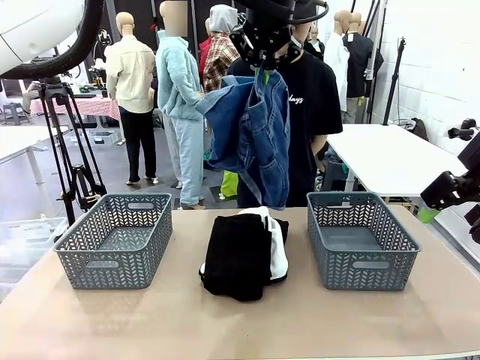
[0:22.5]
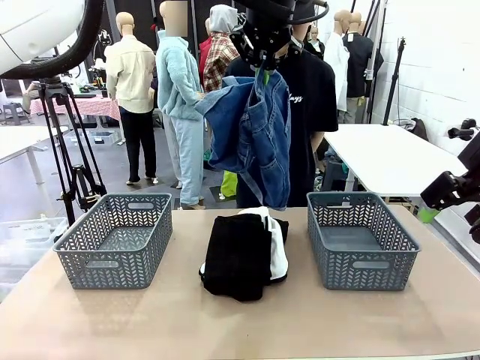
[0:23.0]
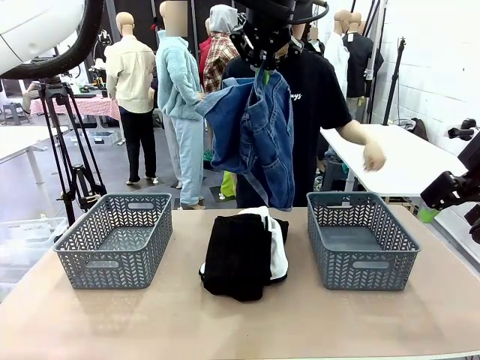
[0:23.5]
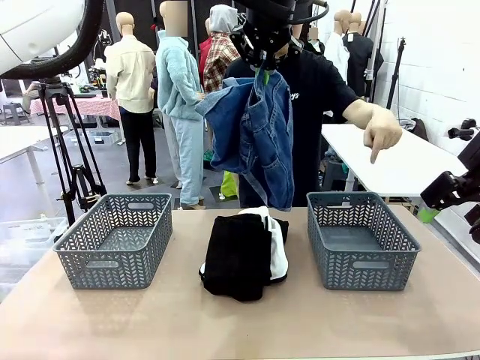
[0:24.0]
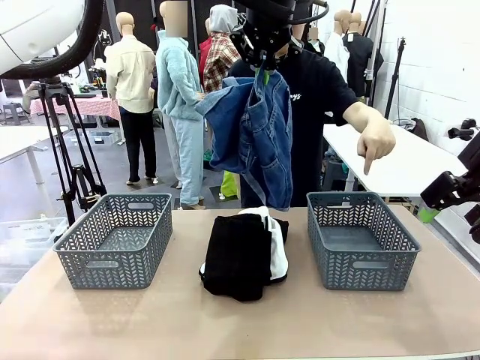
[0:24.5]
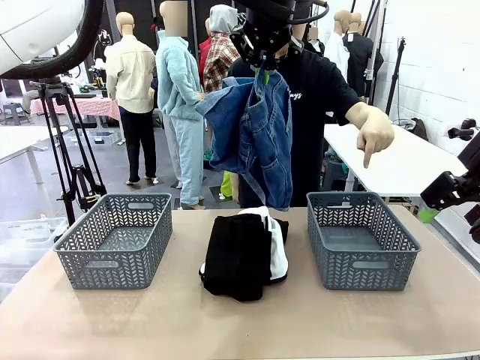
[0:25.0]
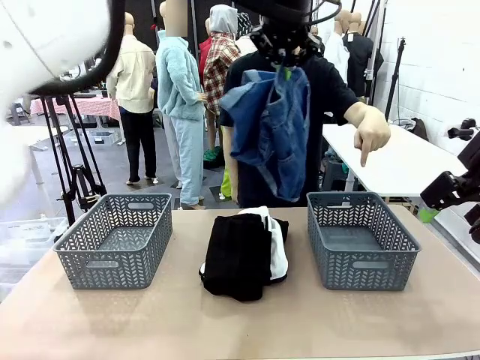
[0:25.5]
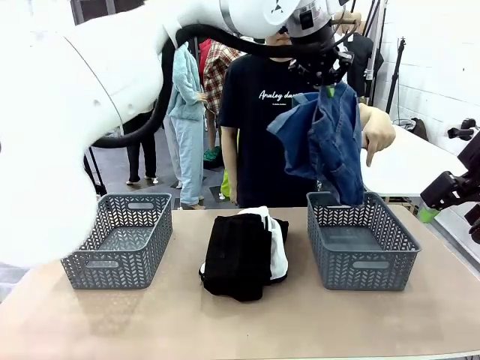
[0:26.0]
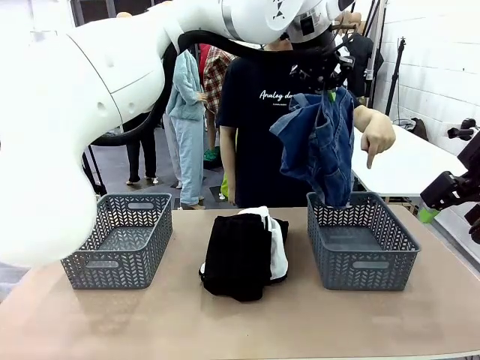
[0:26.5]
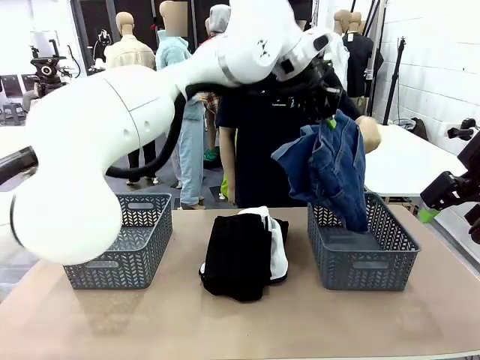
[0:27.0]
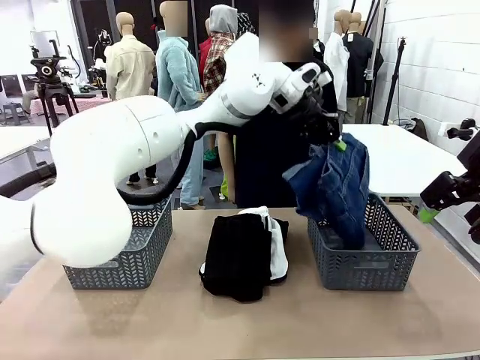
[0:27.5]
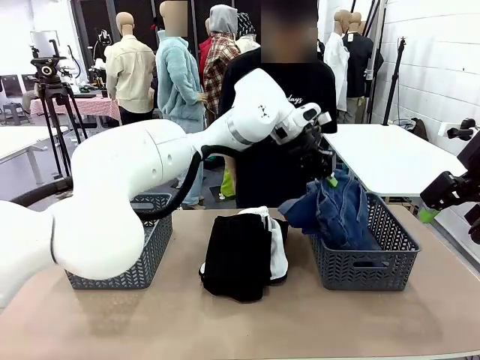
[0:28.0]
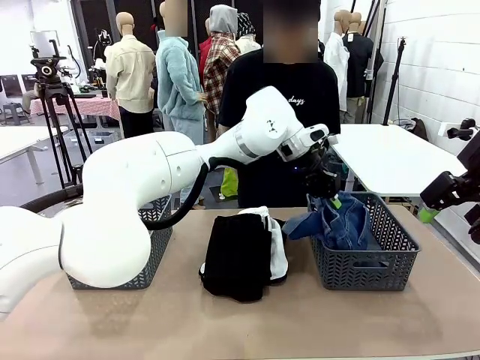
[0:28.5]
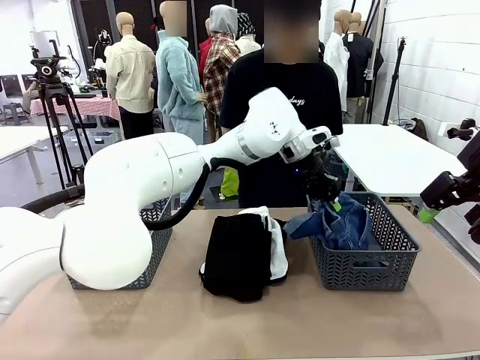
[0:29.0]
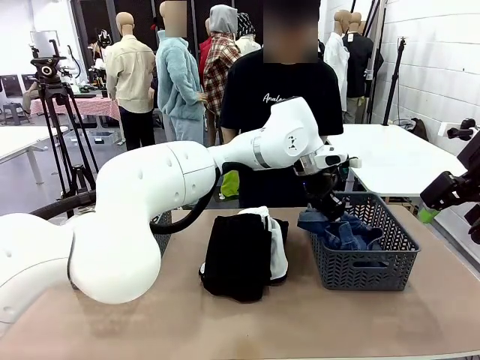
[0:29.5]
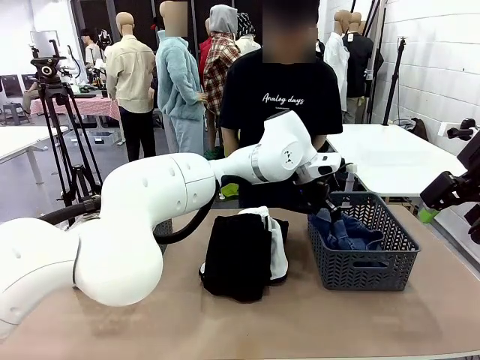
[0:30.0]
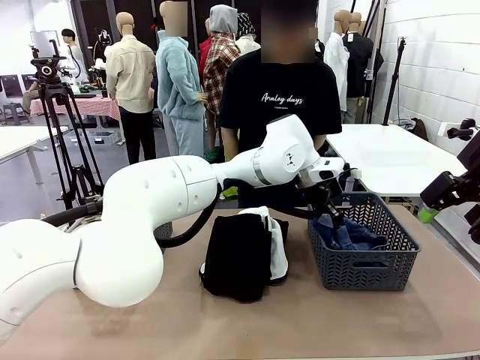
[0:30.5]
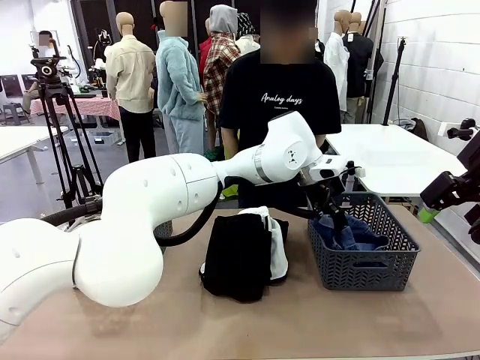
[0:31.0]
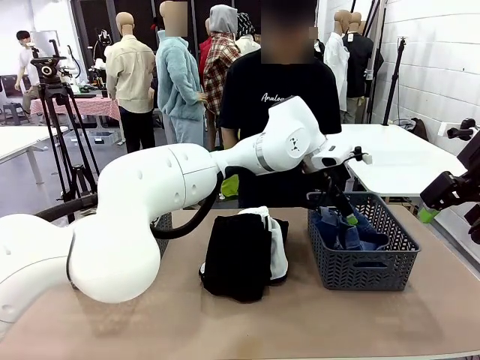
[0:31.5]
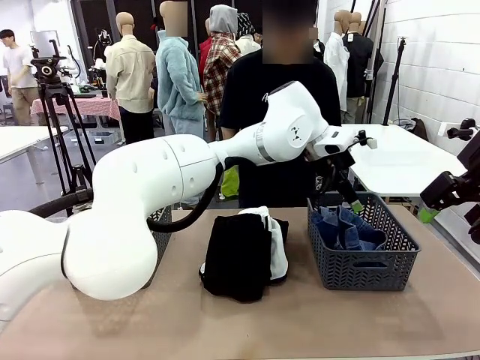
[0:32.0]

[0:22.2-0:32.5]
Task: Sort the tops and bottoms.
Robot: Sort the clothes according to human instructions.

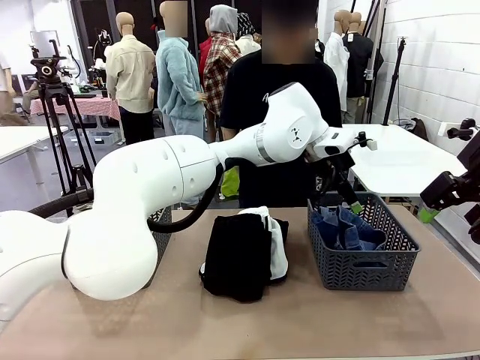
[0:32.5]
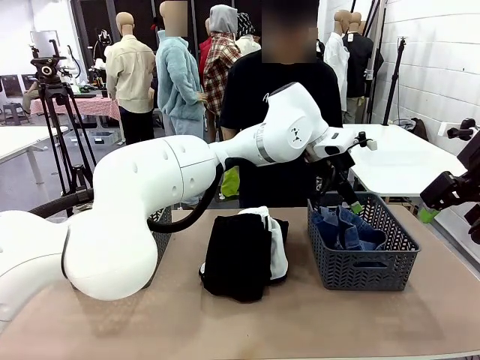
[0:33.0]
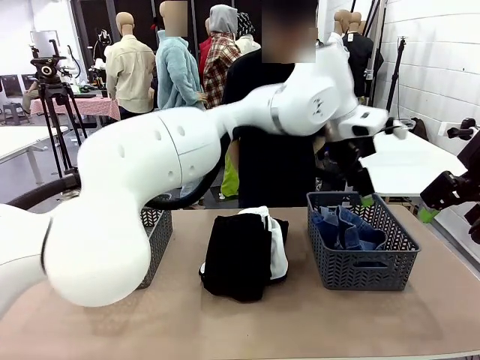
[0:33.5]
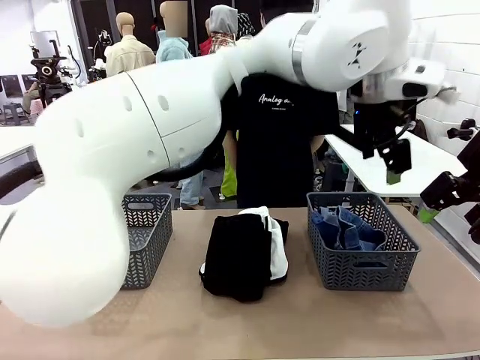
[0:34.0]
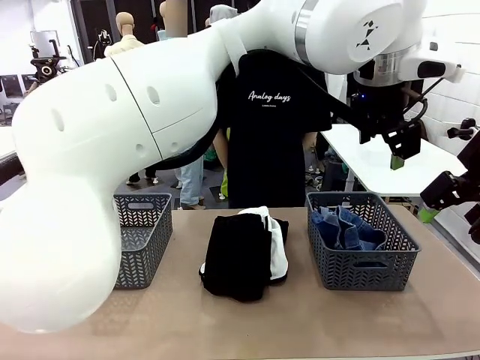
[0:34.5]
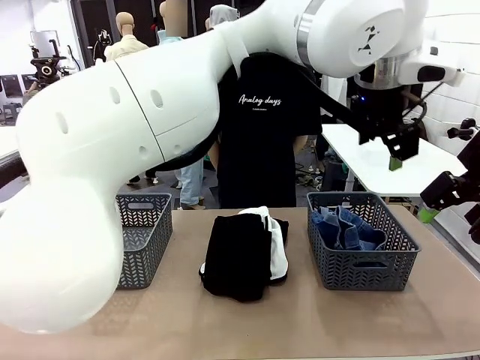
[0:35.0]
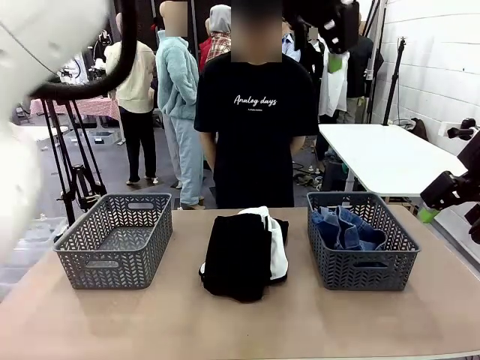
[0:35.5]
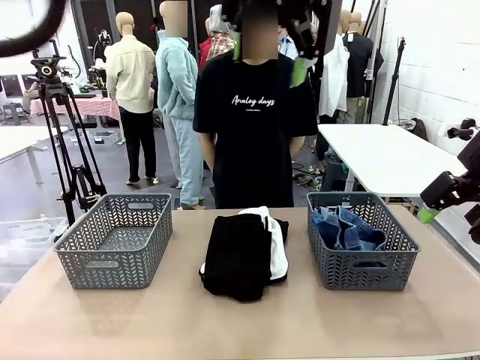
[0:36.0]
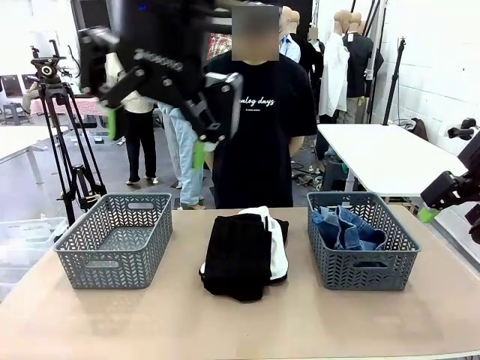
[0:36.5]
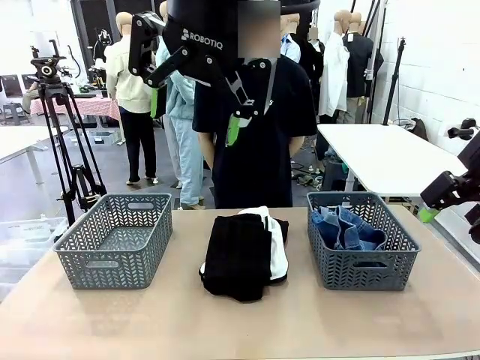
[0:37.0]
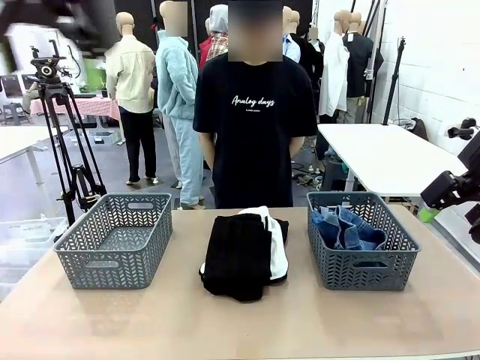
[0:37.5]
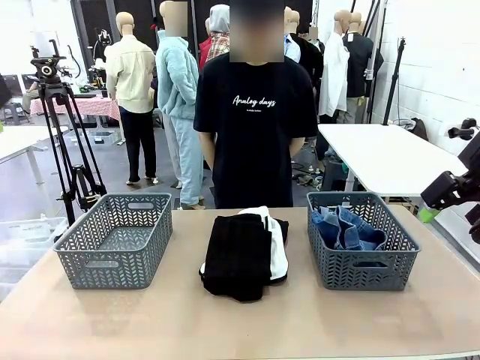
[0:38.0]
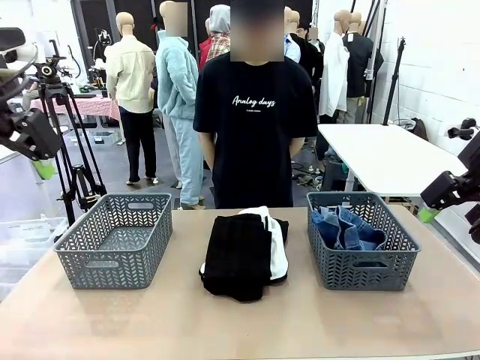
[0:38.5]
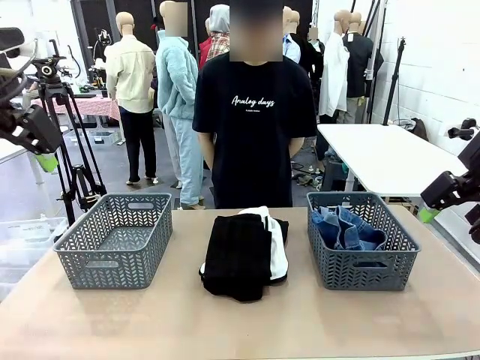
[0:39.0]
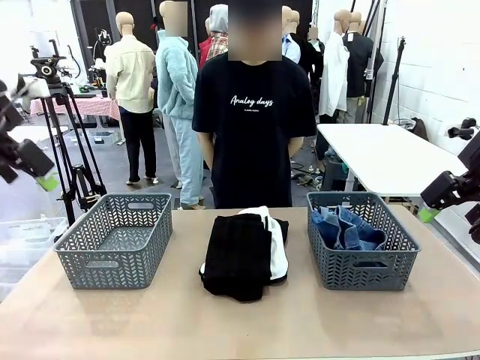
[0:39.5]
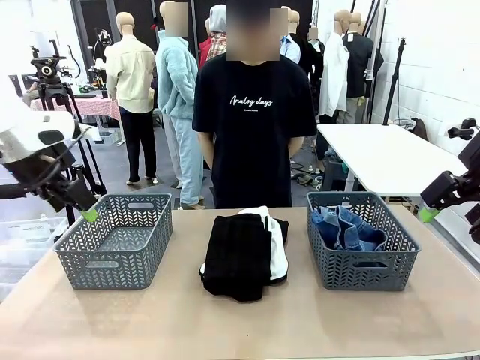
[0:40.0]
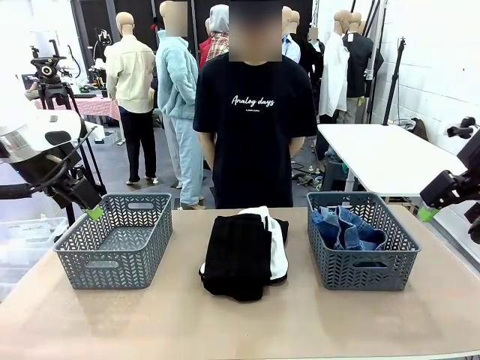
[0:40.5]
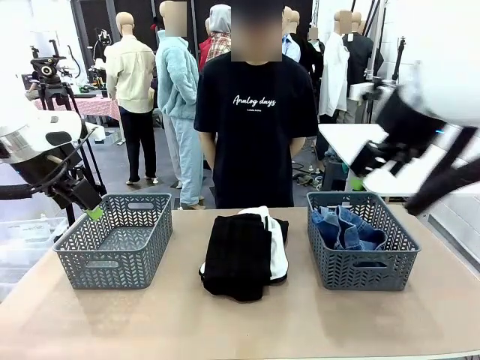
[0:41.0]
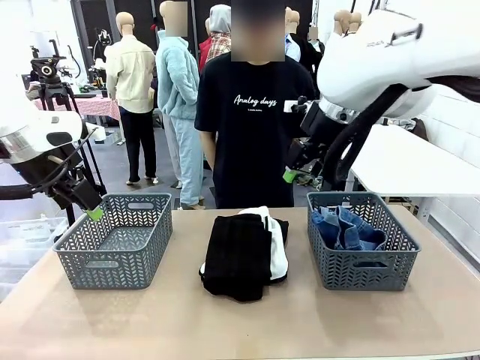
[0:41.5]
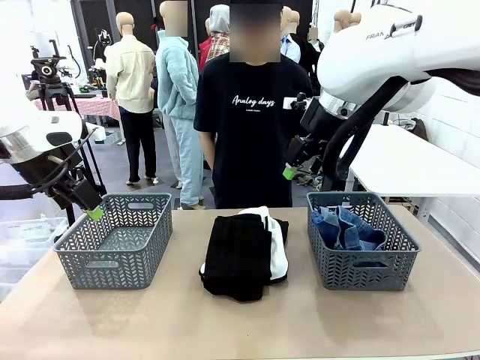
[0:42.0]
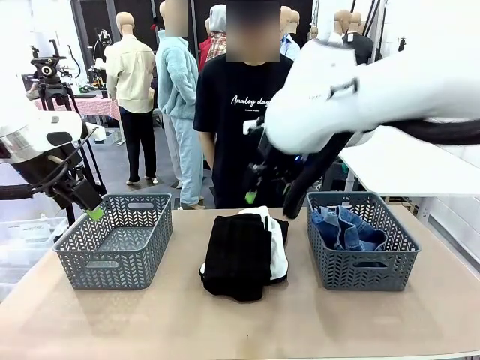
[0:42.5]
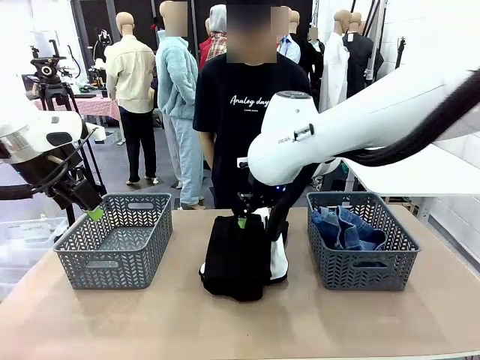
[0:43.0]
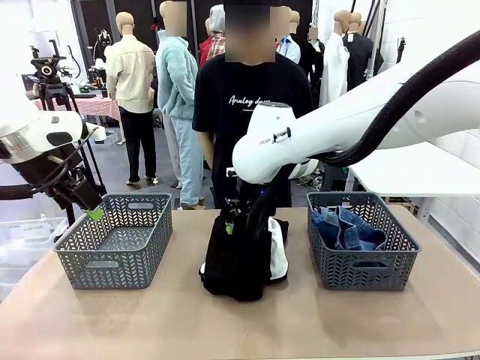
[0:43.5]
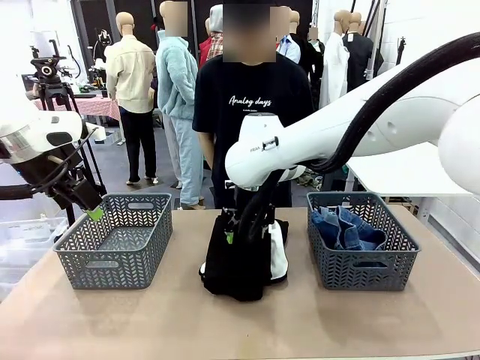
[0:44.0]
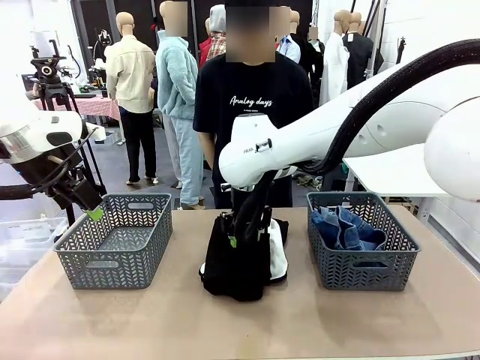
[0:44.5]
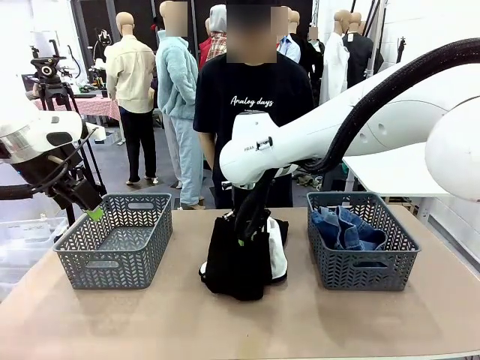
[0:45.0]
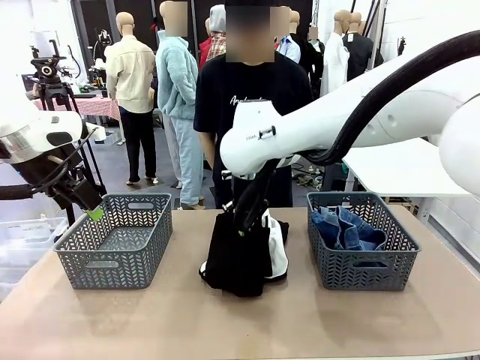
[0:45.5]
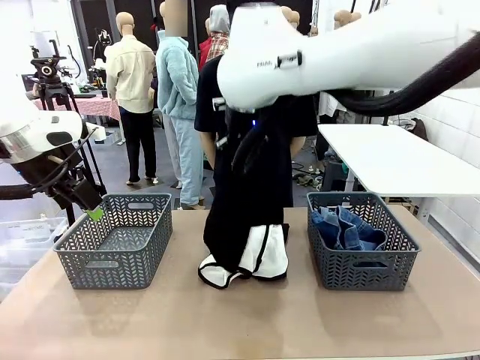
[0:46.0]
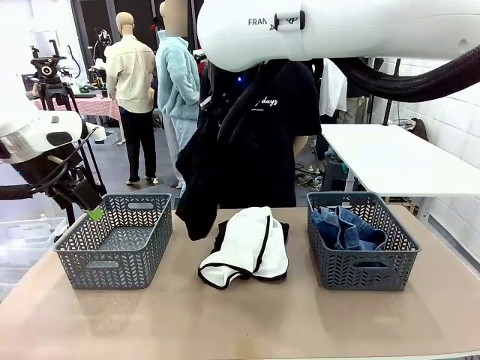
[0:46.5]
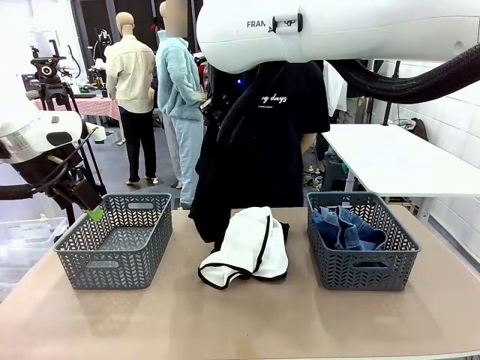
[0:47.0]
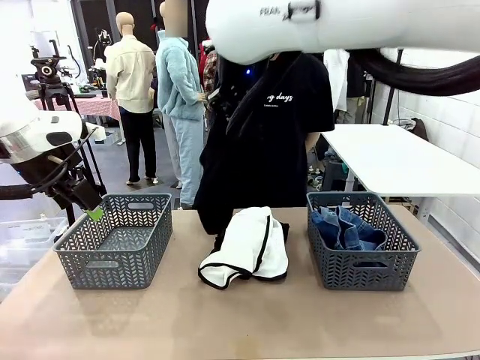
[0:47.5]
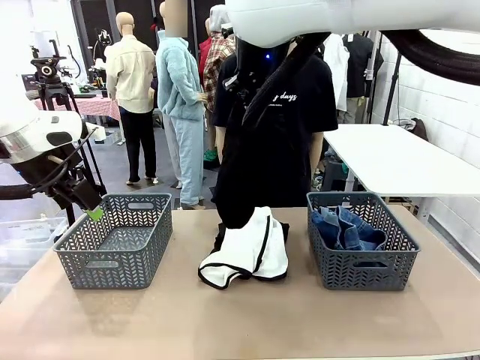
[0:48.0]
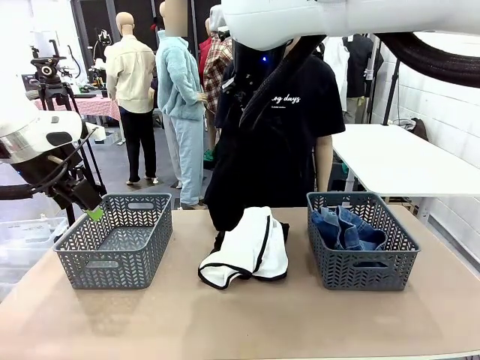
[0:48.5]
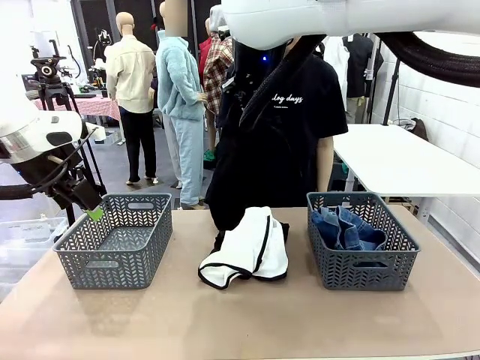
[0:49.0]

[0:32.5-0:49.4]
Robot: Lift clothes from the center of the table with your right hand.
